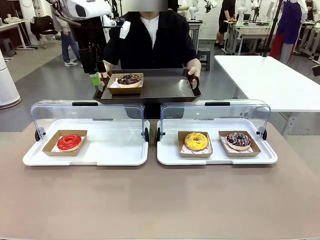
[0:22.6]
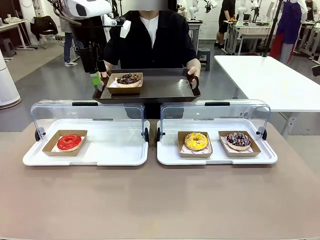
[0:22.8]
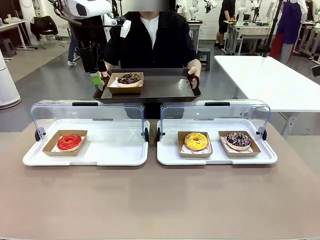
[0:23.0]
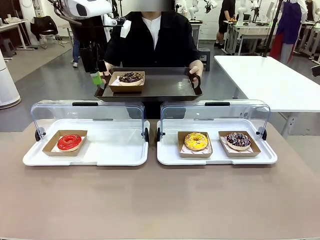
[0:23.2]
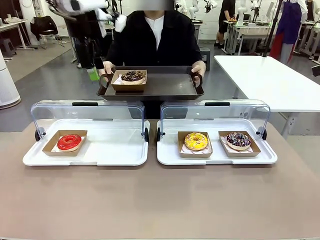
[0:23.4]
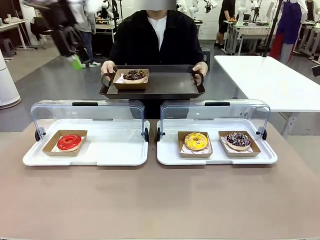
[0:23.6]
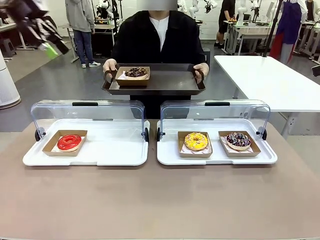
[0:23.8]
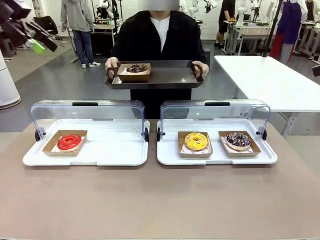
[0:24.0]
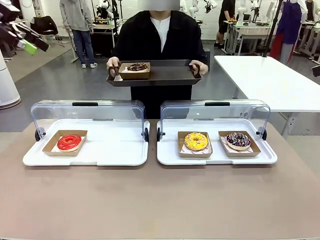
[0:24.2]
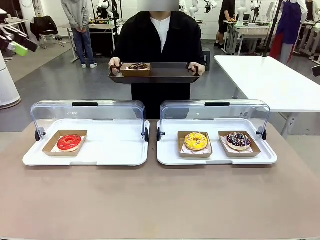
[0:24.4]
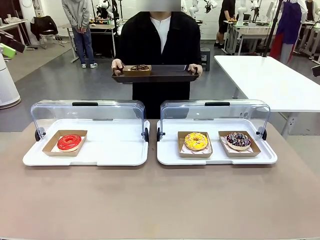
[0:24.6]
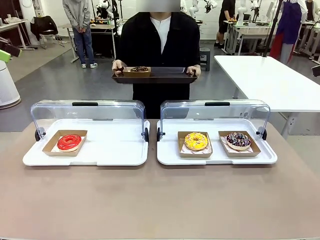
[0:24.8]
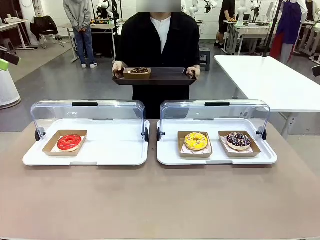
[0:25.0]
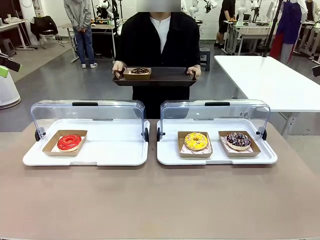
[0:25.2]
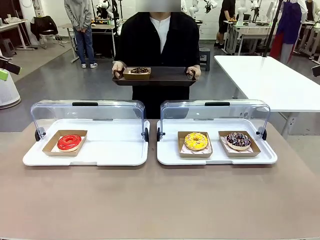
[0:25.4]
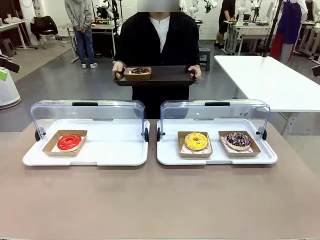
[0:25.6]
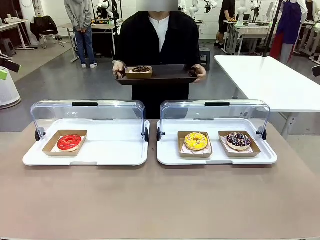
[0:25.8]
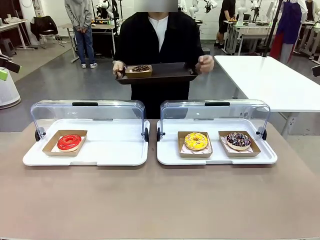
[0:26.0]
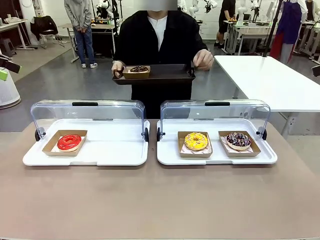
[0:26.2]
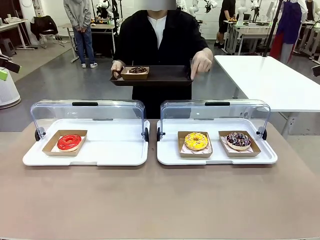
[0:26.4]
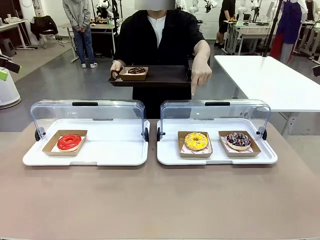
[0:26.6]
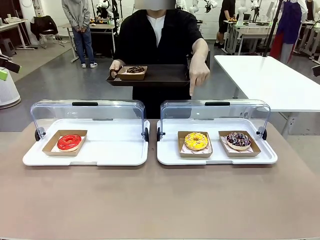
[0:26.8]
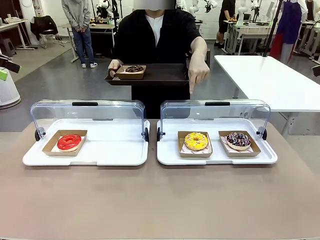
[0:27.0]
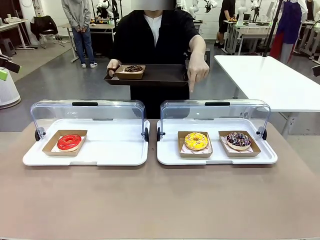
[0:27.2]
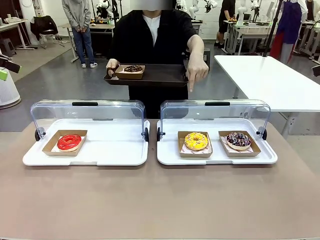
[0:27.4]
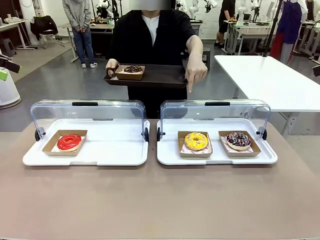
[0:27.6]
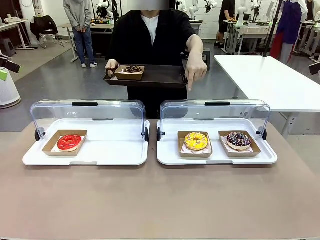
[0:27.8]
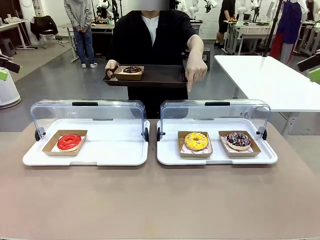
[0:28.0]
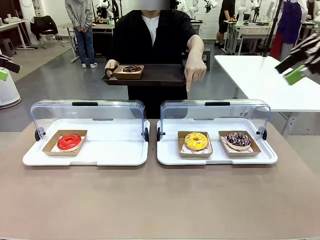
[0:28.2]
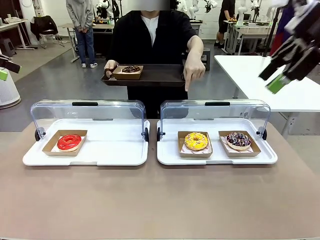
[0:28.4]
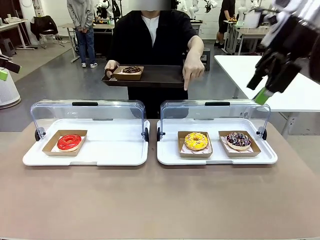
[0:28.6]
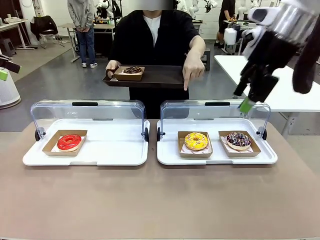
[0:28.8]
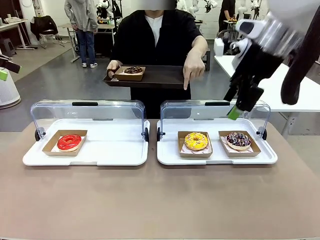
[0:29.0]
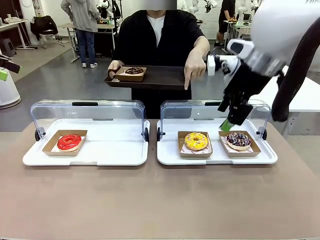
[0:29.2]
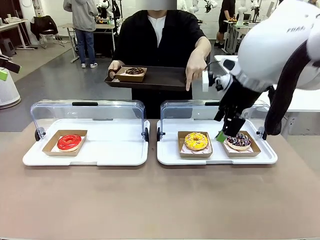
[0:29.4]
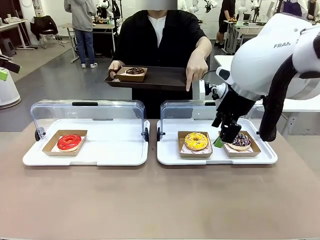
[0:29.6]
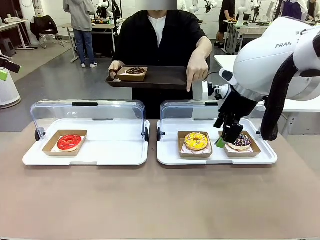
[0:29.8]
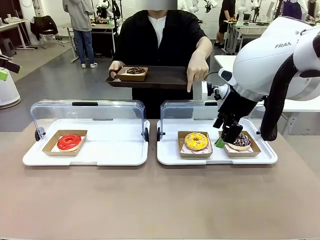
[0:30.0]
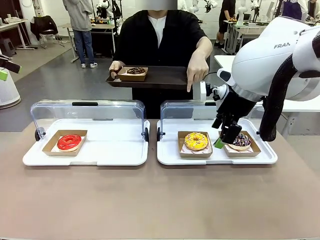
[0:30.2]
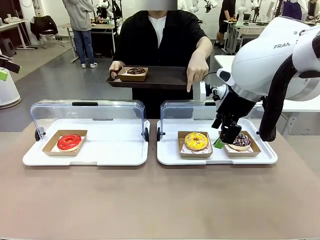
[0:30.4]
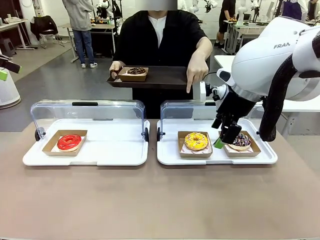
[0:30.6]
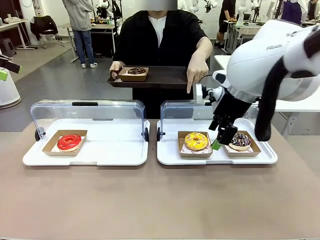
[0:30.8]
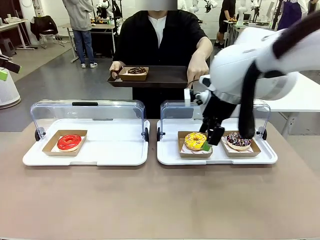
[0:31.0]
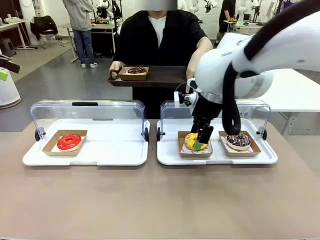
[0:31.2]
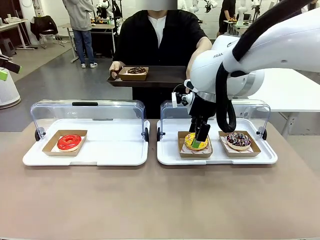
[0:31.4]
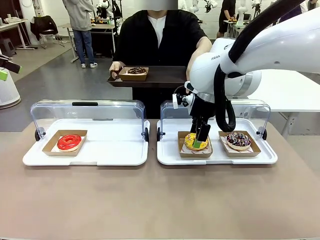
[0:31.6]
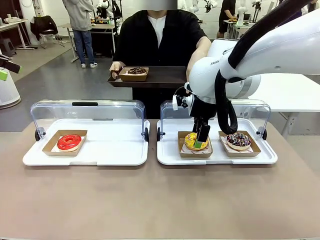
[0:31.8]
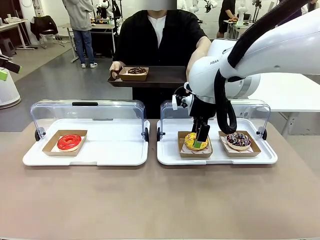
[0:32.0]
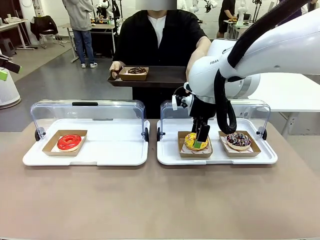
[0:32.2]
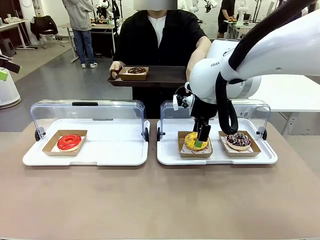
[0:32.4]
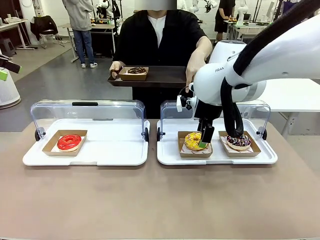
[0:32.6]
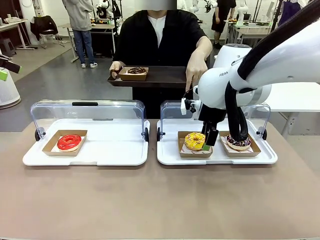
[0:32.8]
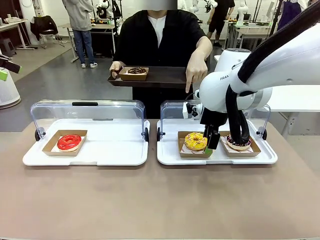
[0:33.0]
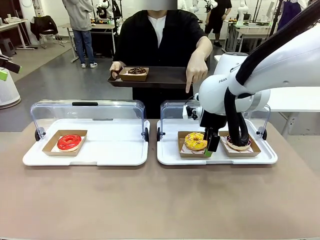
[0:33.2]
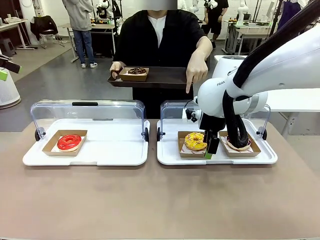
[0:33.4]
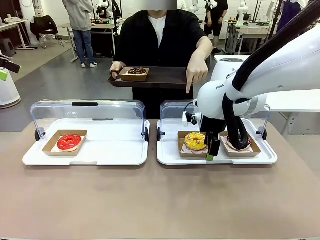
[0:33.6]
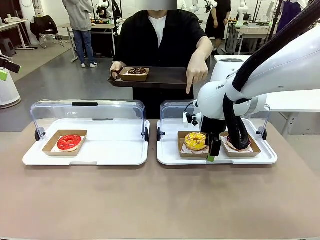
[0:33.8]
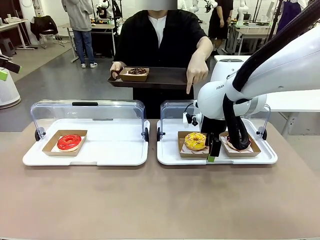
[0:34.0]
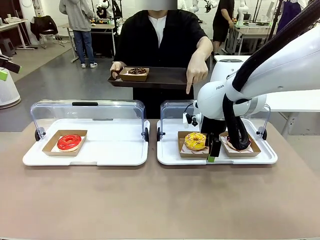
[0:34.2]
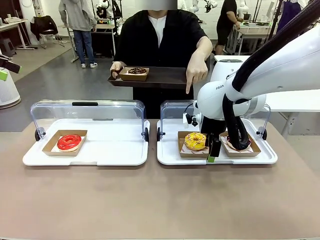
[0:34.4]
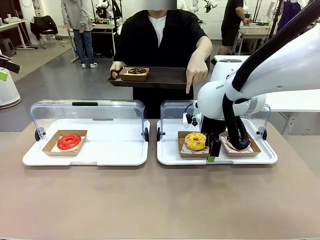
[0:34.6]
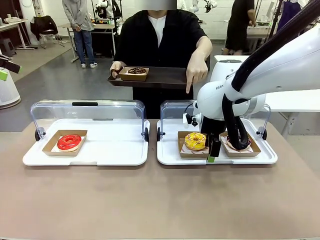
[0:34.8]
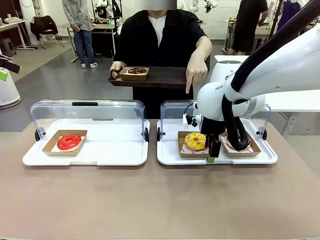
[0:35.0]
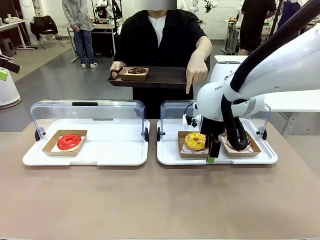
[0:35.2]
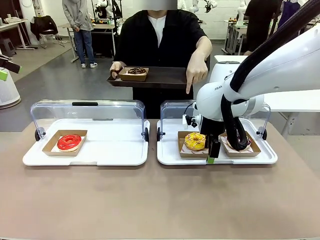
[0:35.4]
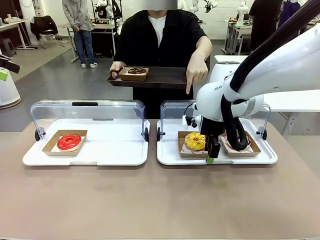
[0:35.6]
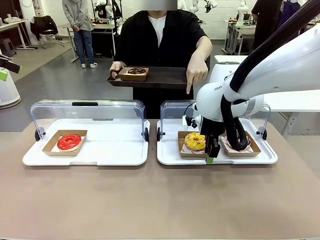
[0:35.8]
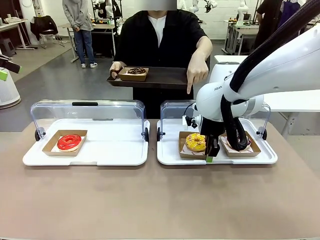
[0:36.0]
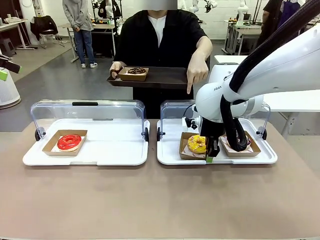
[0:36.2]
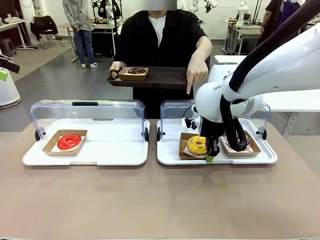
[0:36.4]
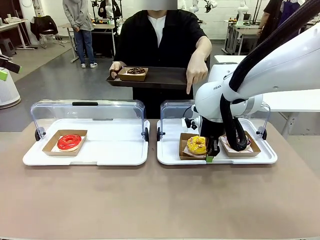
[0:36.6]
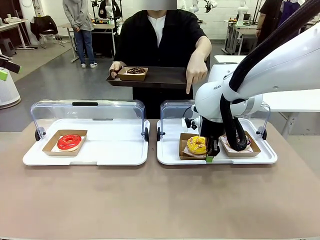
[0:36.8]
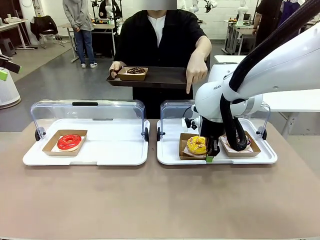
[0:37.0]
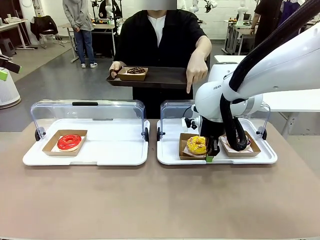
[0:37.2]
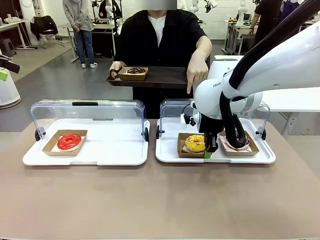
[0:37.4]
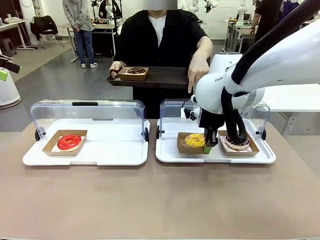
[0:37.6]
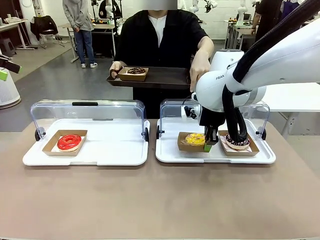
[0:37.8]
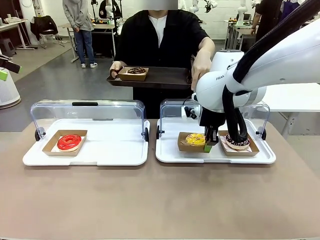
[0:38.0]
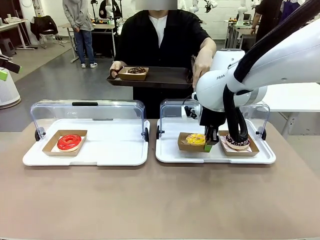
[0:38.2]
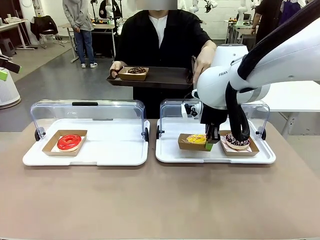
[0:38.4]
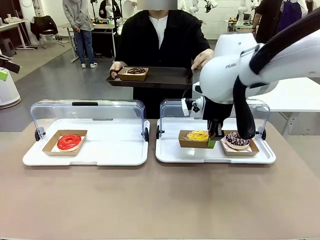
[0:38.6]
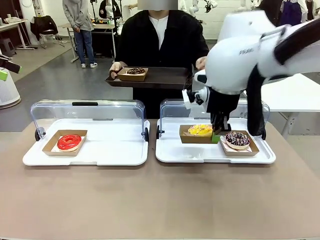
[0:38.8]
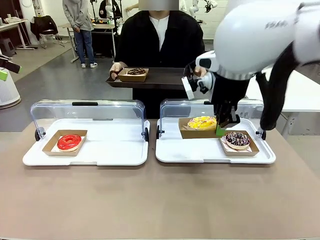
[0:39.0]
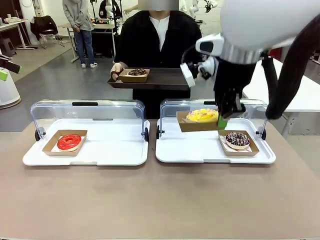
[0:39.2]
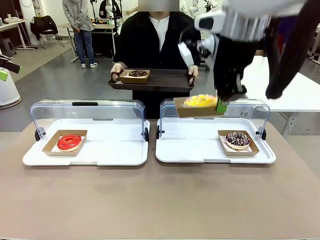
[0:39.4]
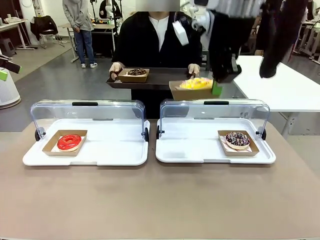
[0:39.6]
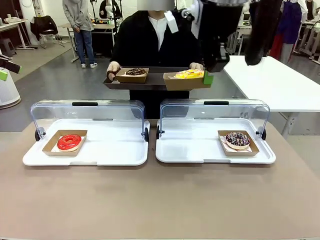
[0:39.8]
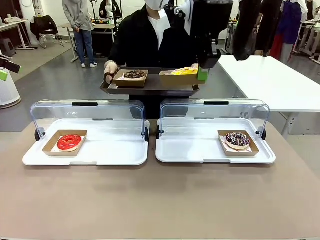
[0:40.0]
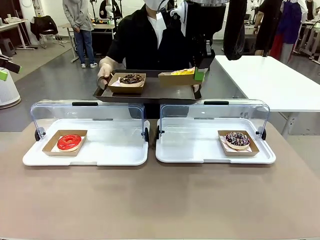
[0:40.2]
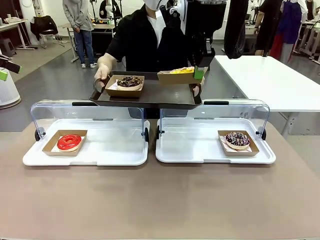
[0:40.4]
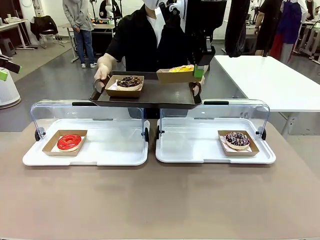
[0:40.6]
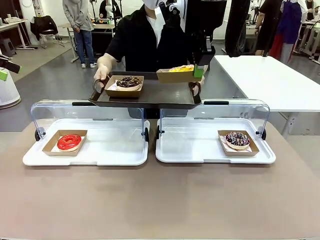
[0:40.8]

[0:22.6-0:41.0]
Task: Provide the desired donut to the person.
Robot: Pick up and lift the Paper togo box containing the Donut pointed at by the person.
Person: Point to one donut. Lift the tray onto the Roll-Top Bakery Case.
